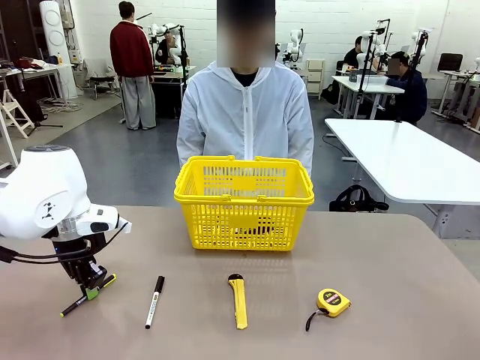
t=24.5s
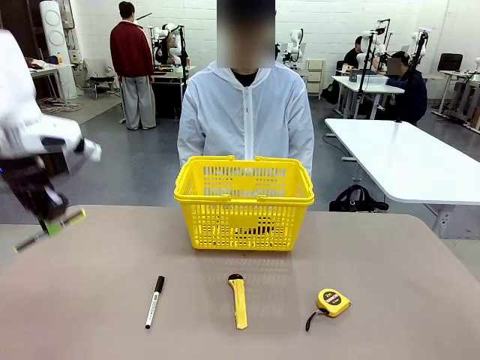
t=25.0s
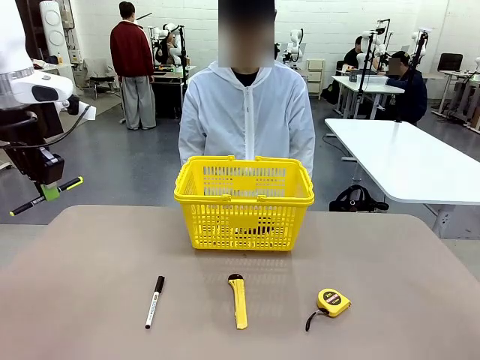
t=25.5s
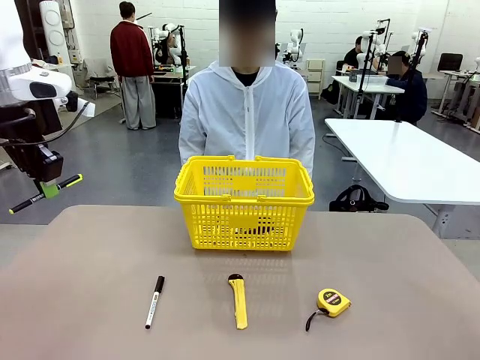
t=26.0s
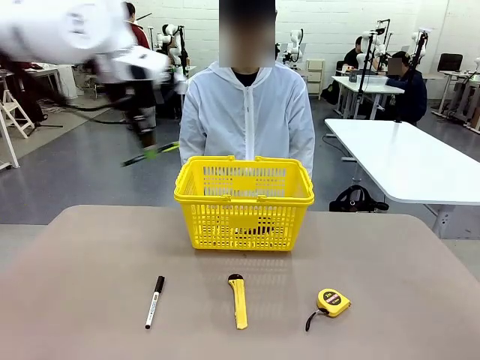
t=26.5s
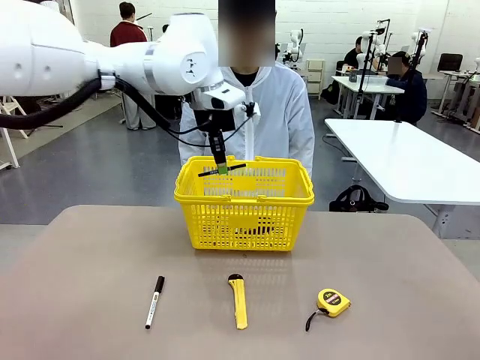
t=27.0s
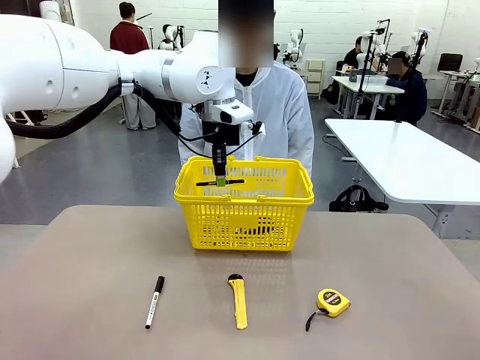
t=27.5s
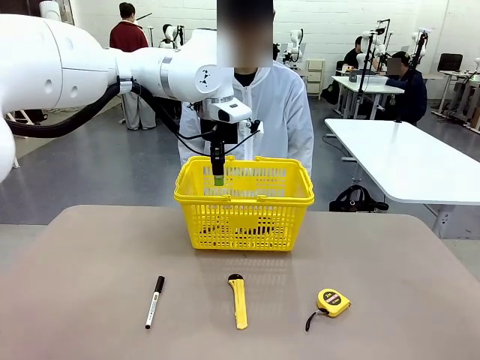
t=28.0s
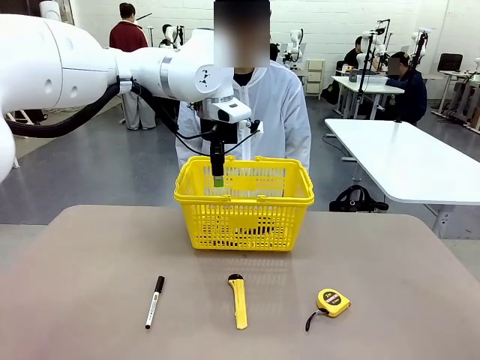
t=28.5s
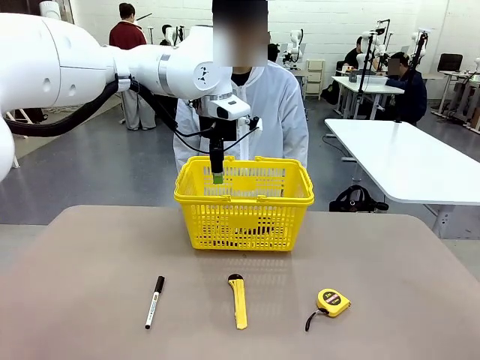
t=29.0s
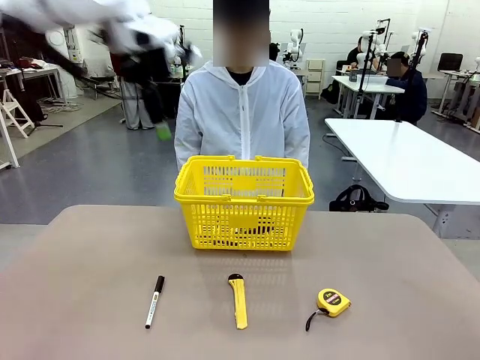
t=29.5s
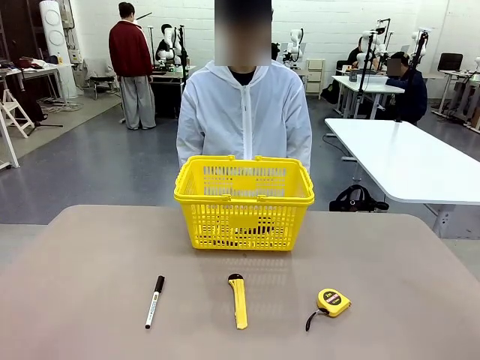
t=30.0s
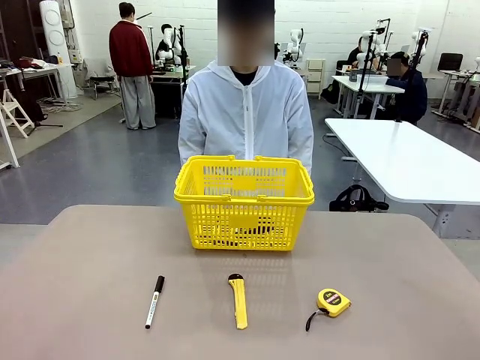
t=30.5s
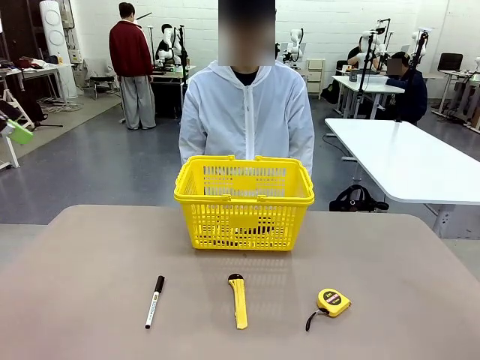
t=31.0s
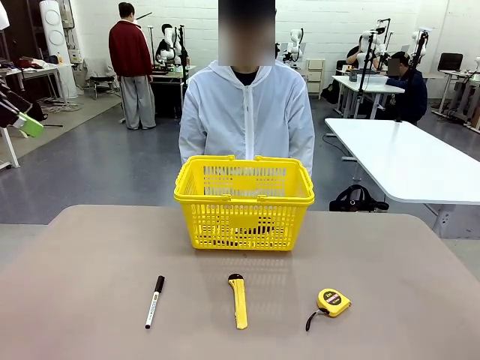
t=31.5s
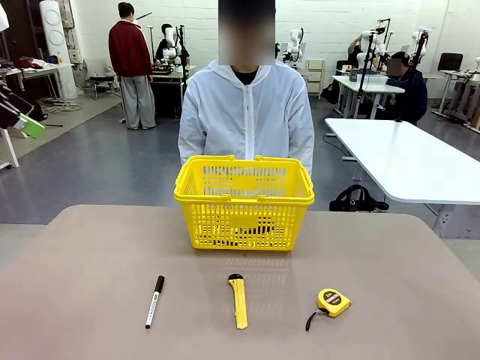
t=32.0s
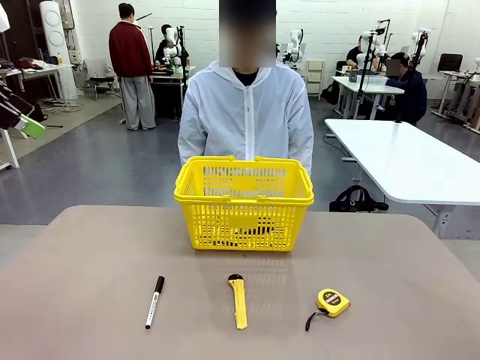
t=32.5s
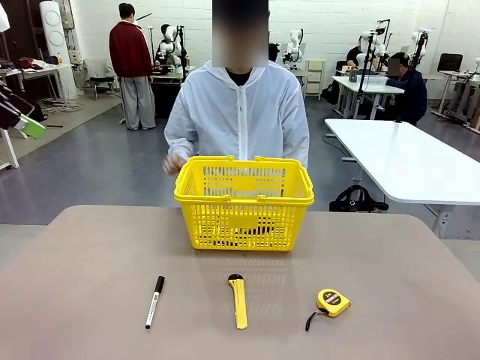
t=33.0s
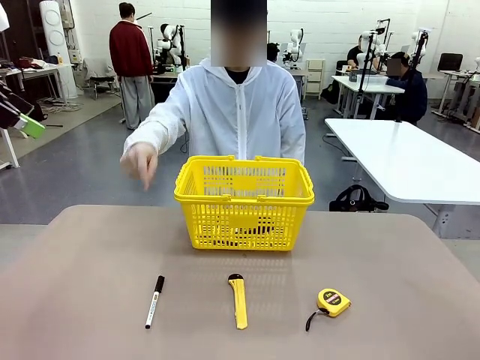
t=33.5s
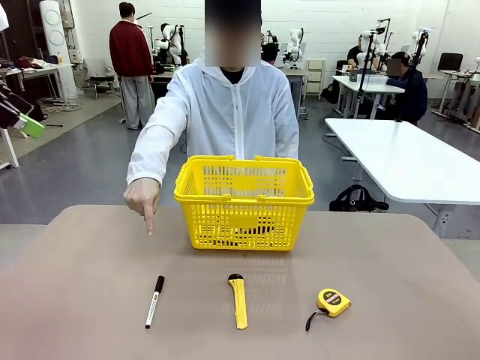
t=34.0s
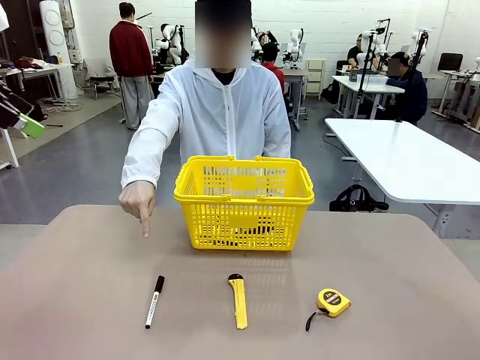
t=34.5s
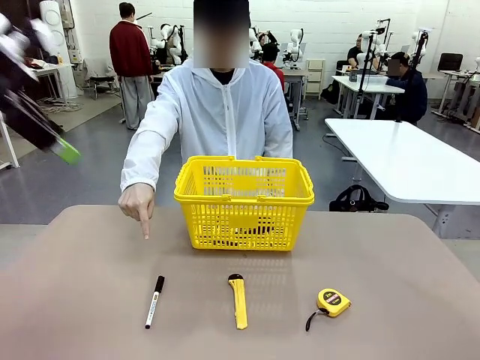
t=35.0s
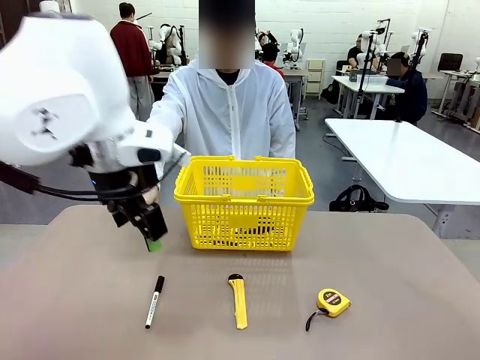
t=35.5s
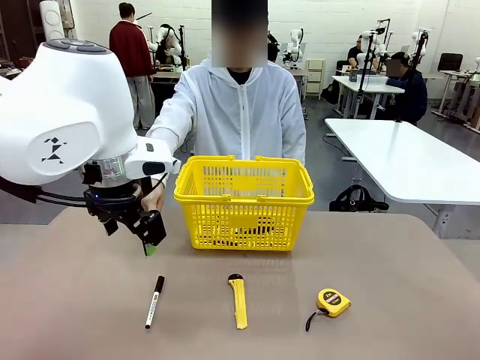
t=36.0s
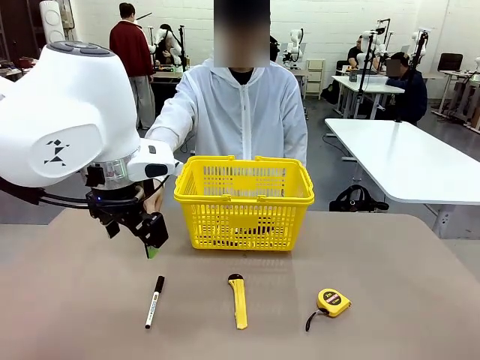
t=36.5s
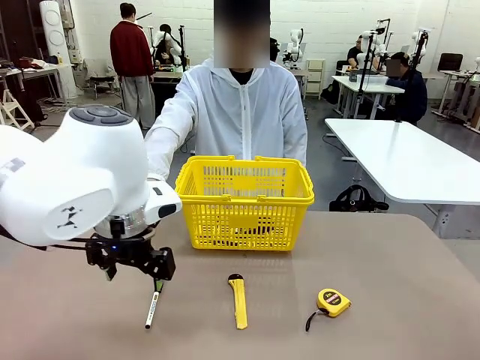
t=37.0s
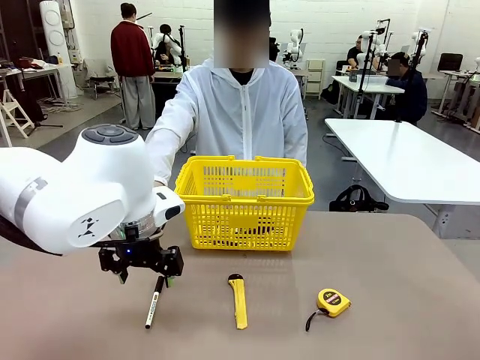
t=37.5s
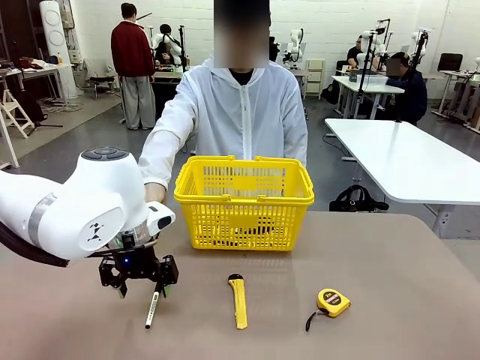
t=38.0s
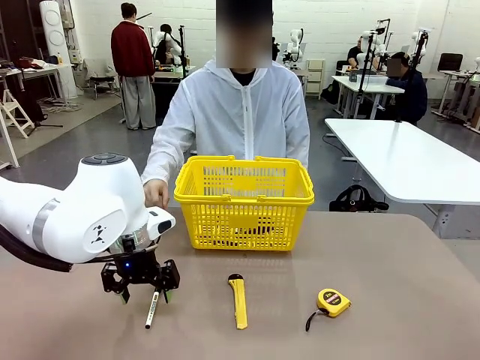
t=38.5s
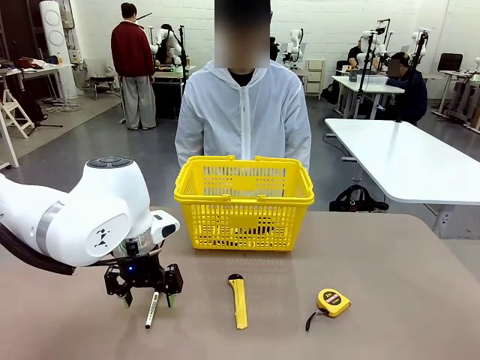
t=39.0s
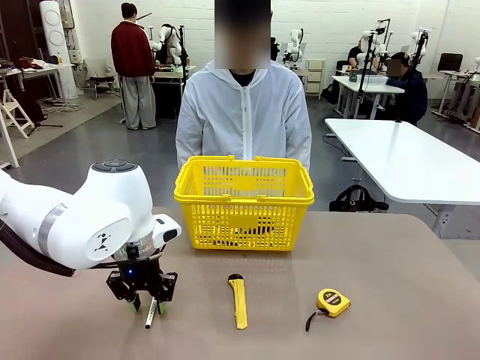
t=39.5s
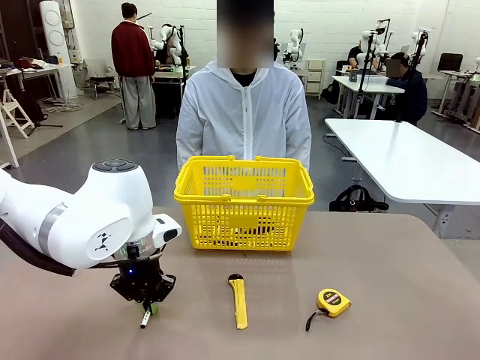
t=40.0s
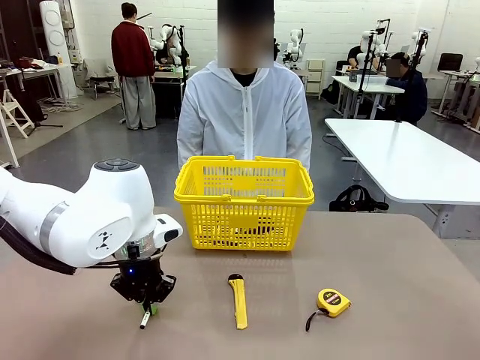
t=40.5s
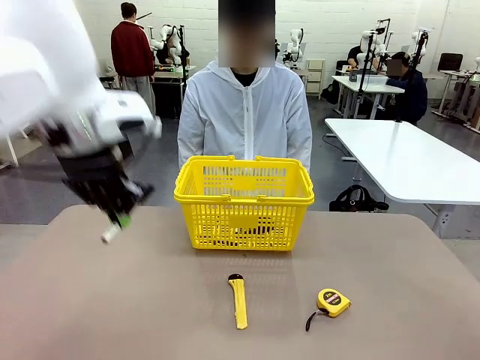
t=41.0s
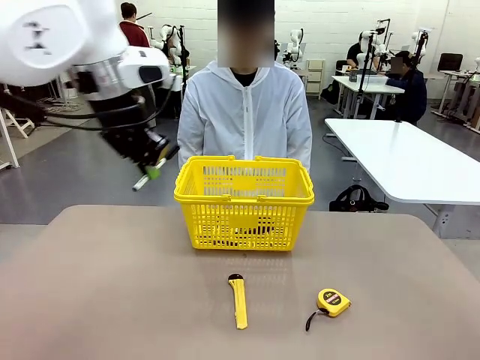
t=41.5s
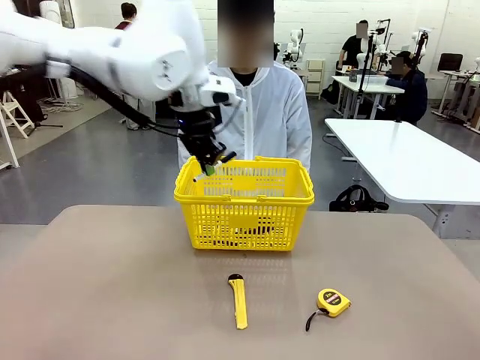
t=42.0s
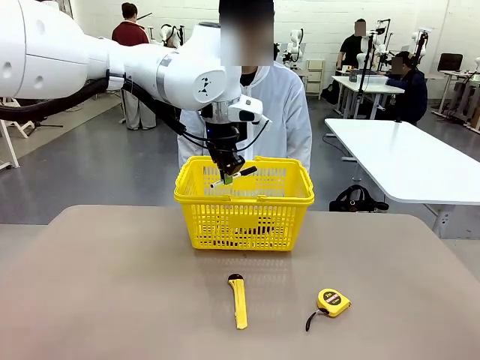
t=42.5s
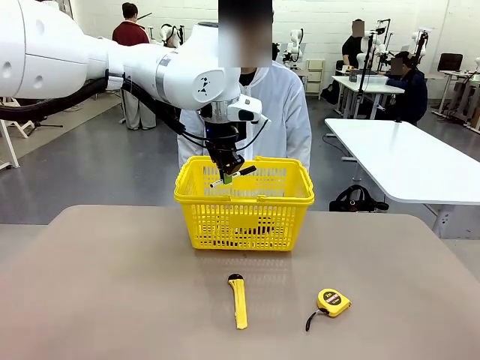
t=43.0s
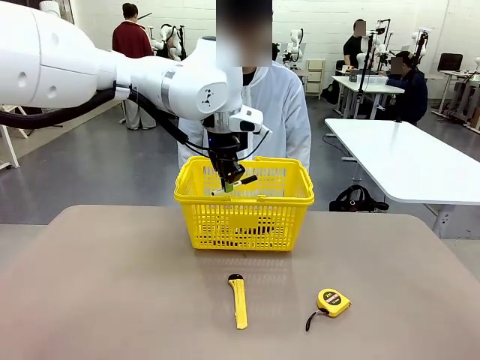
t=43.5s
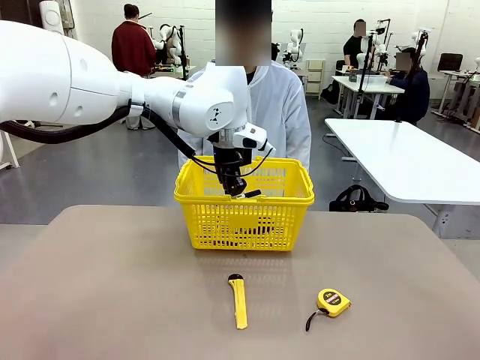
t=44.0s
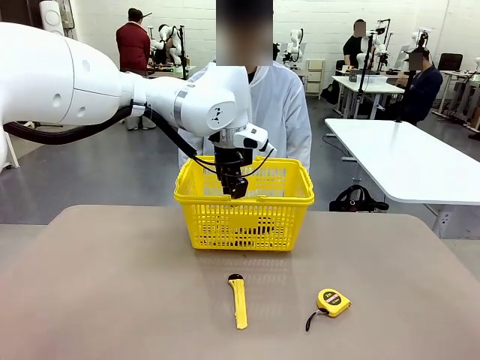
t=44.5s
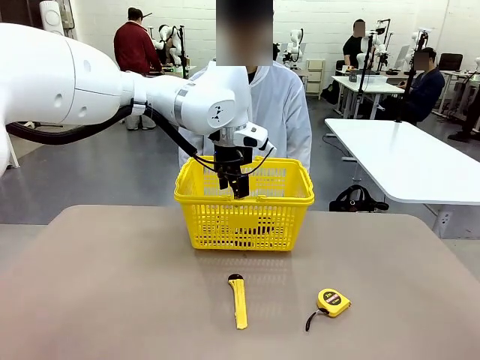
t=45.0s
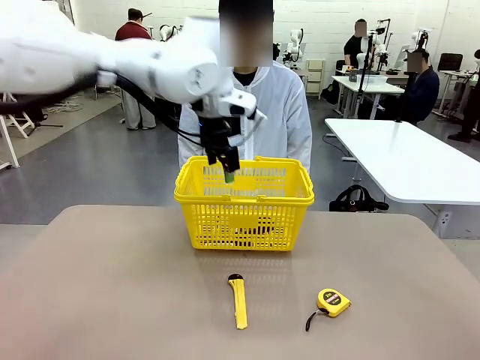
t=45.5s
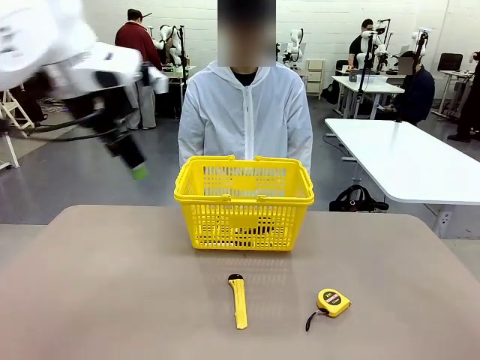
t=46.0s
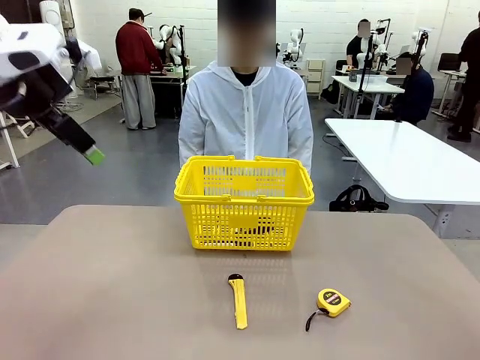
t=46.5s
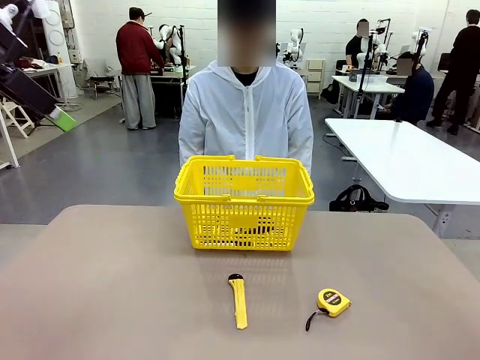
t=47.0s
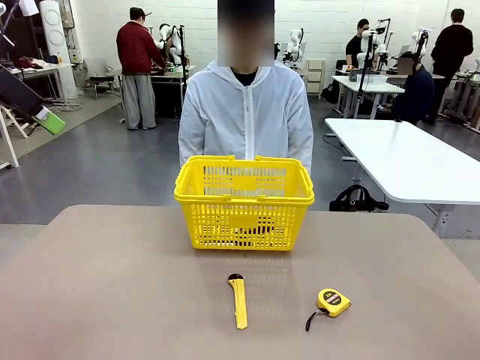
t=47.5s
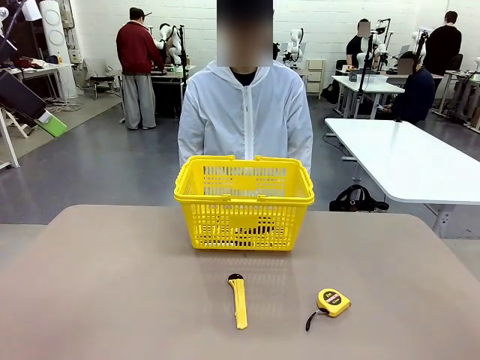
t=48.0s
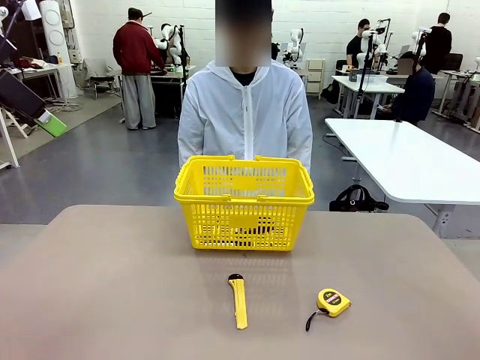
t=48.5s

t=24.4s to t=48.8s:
Task: Place the items the person wants into the basket.
Robot: Pick up the item the person points to and place it in the Market Basket.
